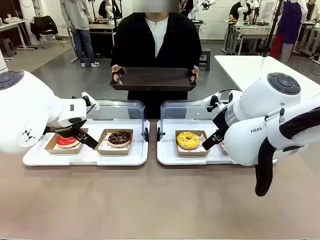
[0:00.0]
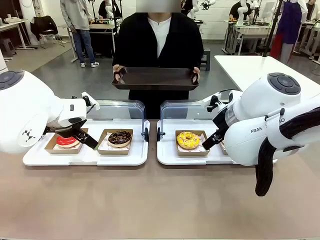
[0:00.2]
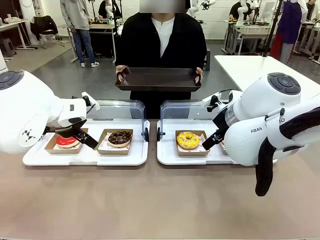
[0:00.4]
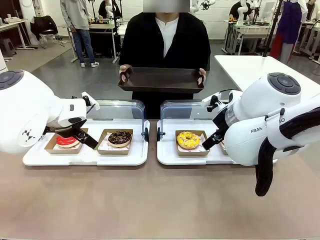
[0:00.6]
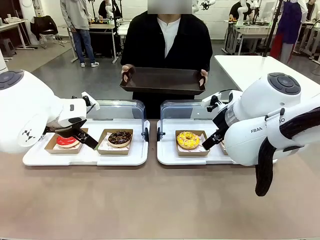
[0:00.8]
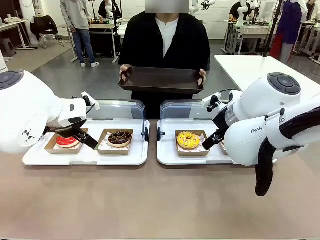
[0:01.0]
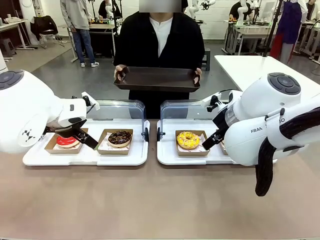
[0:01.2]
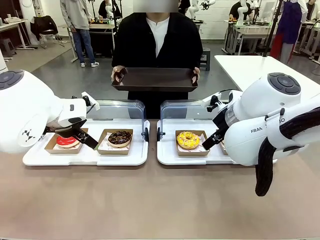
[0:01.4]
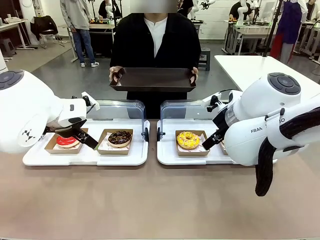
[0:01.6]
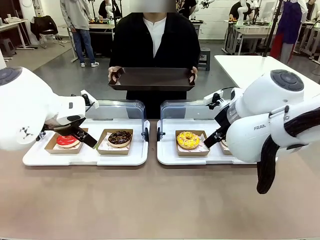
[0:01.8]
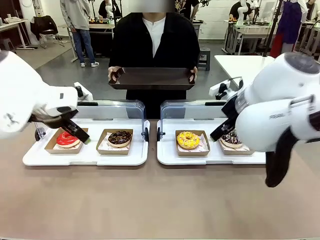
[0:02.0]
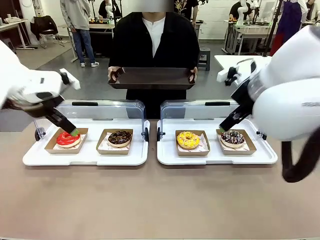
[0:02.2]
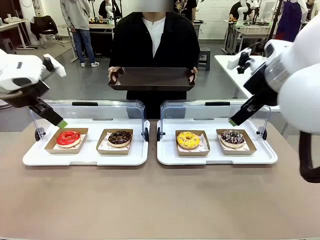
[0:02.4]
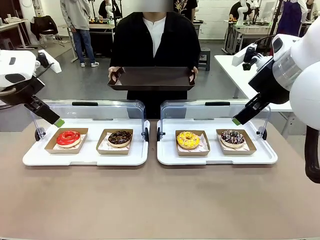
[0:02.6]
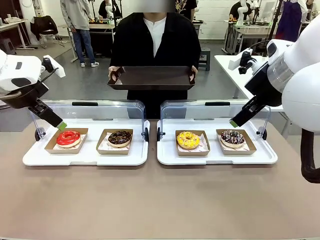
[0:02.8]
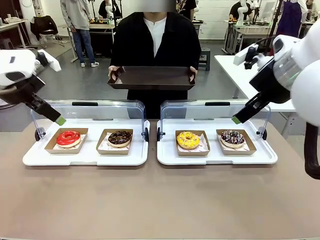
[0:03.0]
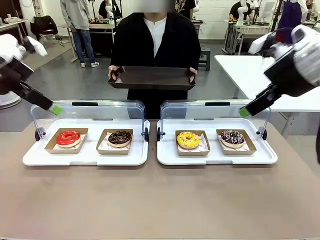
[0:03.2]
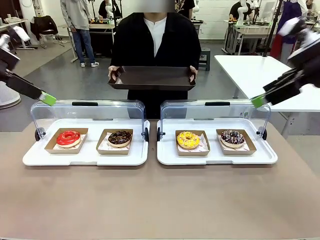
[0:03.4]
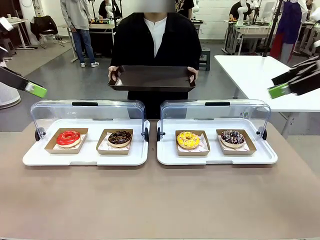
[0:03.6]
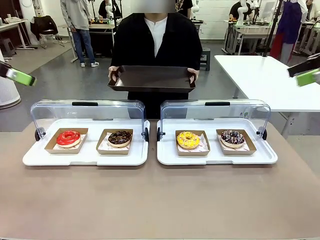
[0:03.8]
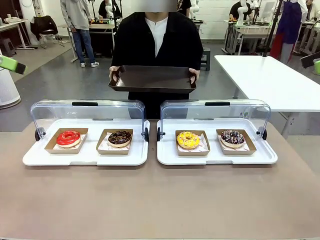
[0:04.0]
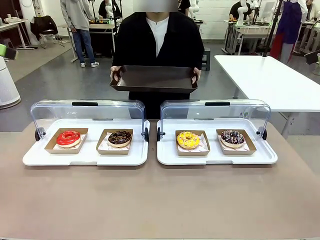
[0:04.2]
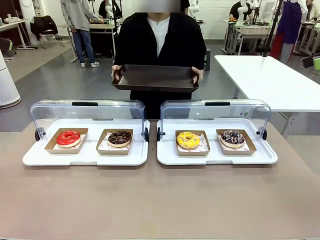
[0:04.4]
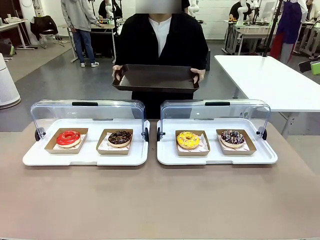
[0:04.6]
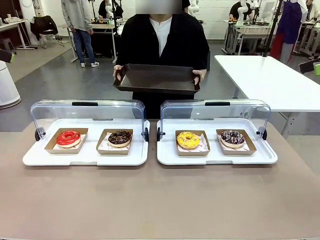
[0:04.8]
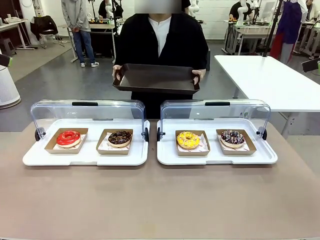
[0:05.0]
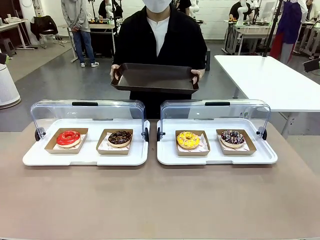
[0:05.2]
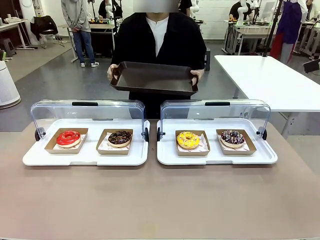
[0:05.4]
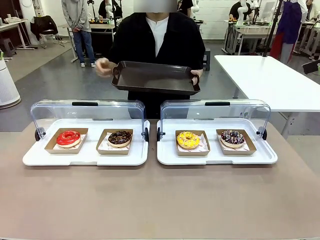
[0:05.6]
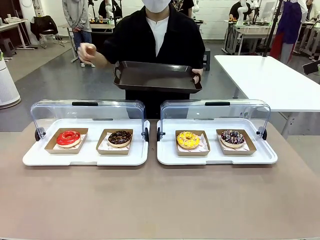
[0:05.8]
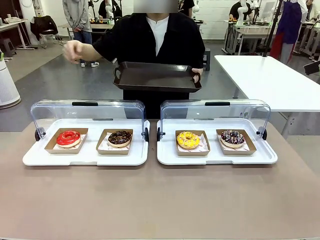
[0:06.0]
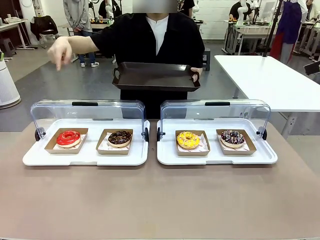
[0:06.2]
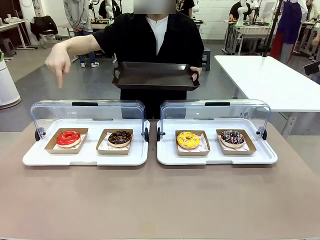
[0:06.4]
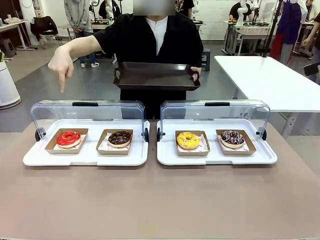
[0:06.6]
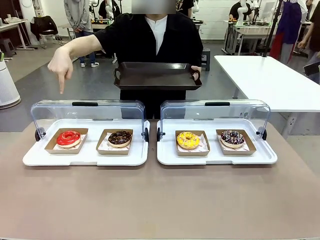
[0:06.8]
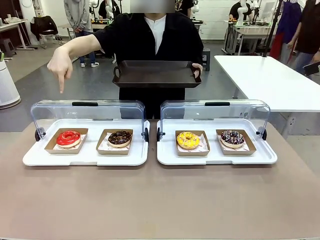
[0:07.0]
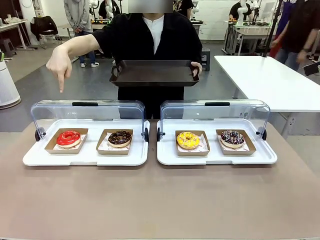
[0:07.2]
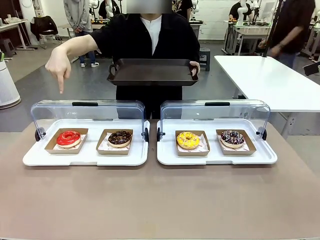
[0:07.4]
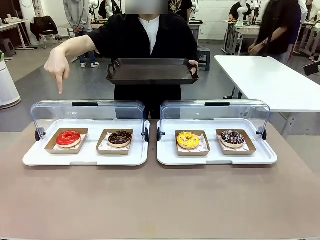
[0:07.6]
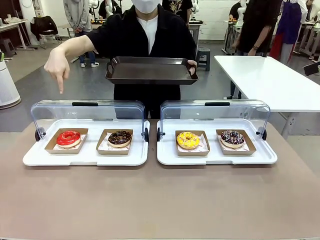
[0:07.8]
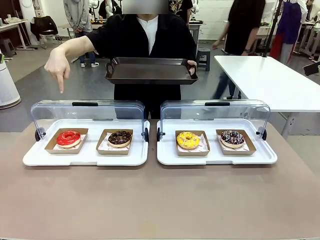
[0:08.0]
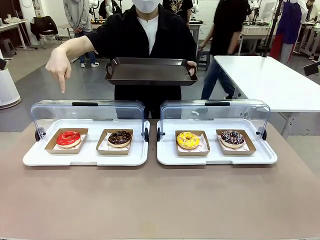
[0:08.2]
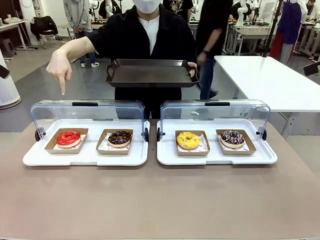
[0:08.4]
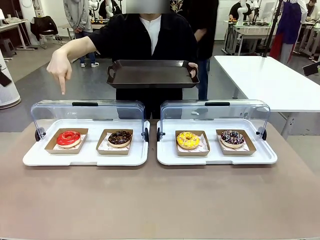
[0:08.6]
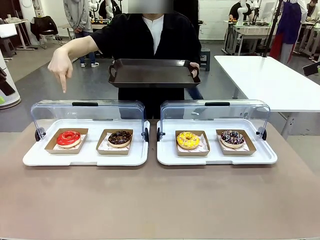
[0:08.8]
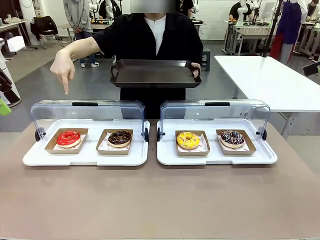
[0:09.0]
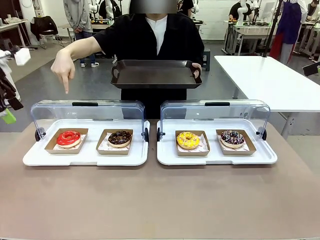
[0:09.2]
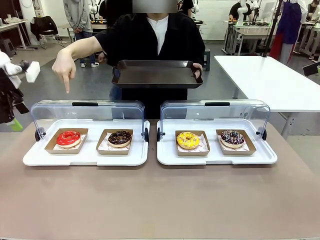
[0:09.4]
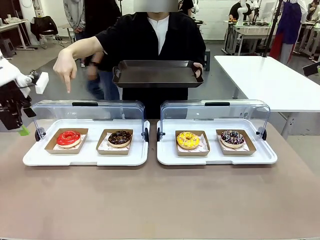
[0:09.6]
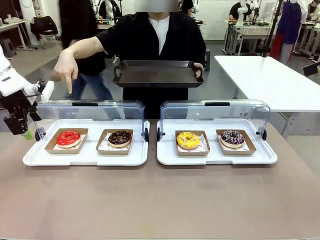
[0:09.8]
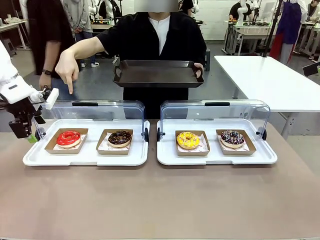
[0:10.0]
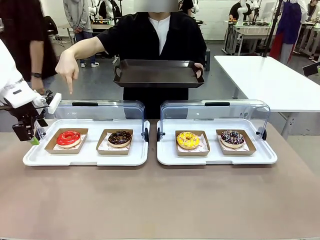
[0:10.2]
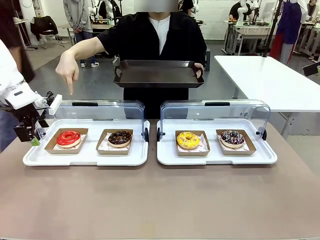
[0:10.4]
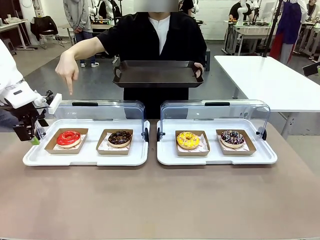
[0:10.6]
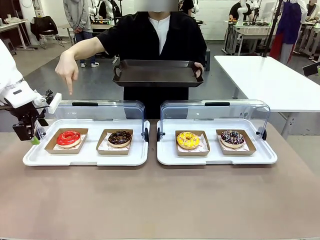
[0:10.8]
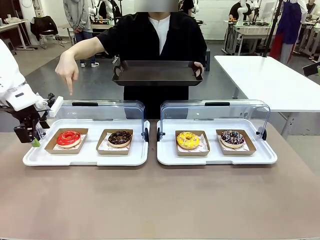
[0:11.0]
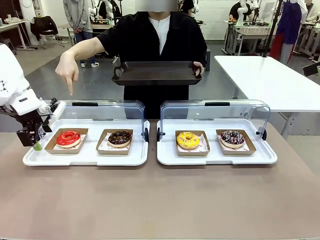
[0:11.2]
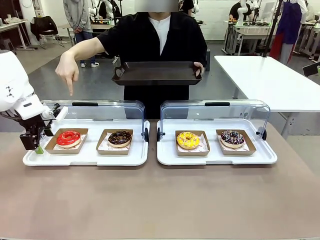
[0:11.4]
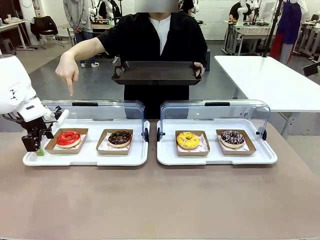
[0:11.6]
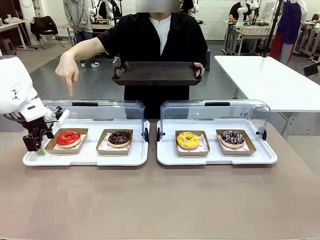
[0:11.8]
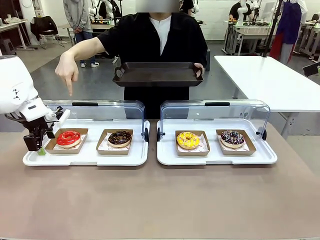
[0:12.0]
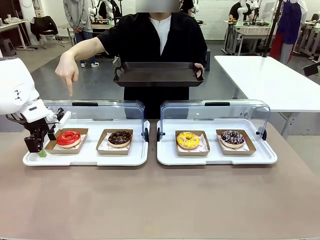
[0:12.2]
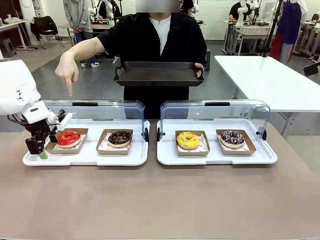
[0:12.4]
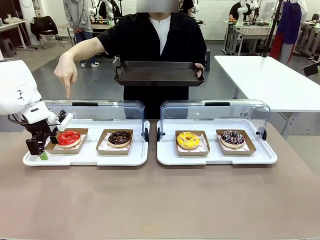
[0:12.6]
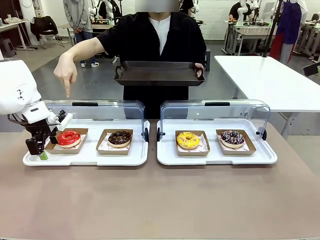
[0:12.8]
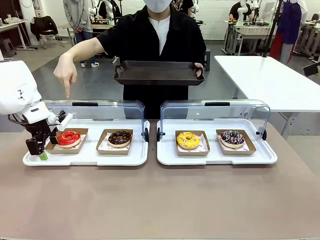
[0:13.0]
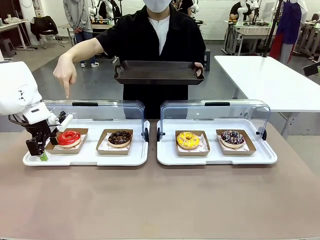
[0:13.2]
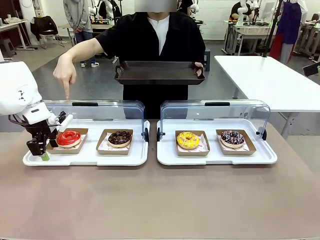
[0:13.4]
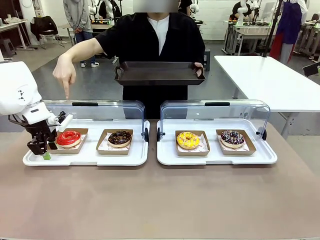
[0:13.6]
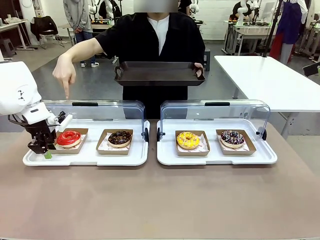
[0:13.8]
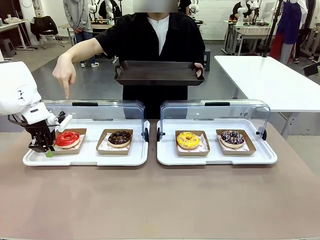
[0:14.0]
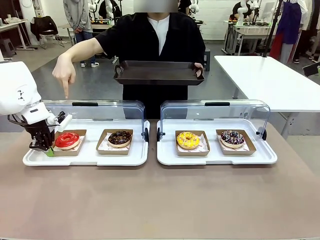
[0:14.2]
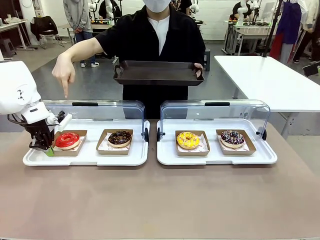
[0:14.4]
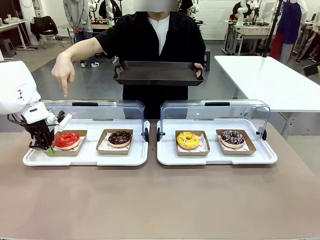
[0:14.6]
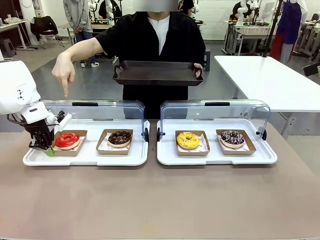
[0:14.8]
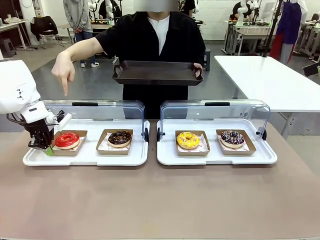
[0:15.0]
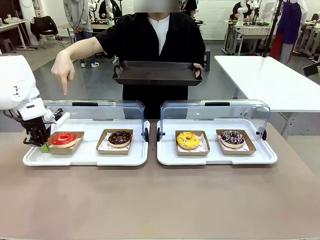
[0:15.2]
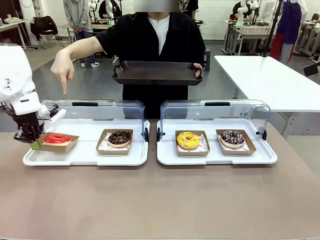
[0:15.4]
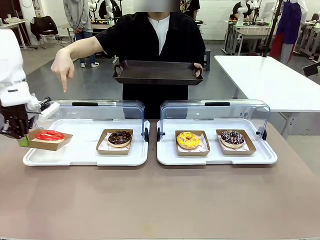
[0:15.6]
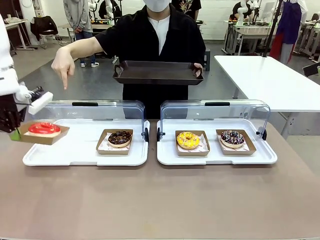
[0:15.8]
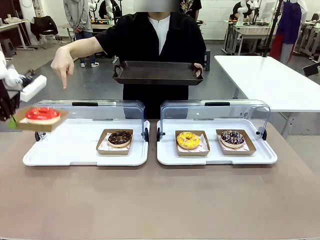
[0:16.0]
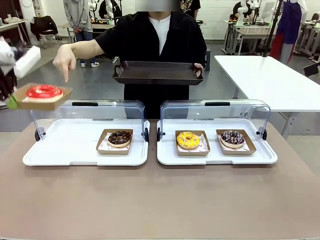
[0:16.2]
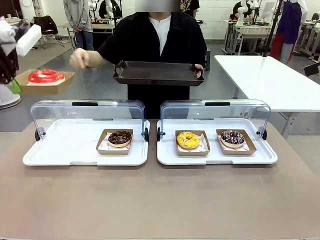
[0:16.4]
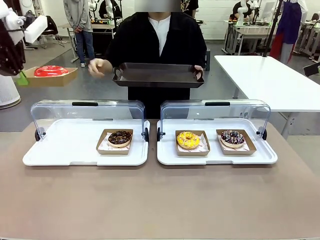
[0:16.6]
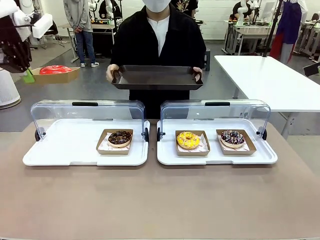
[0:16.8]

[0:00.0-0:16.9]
Task: Provide the desired donut to the person.
Robot: Pick up and lift the Paper togo box containing the Donut pointed at by the person.
Person: Point to one donut. Lift the tray onto the Roll-Top Bakery Case.

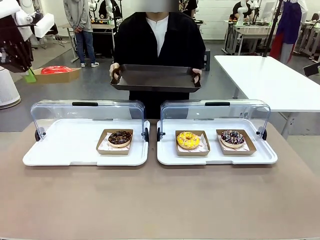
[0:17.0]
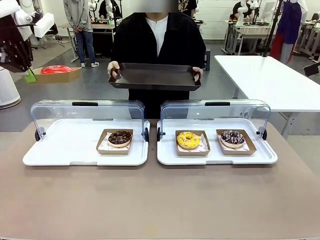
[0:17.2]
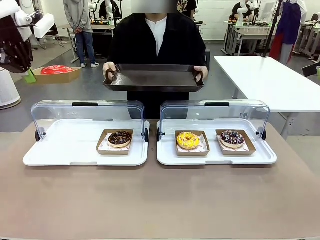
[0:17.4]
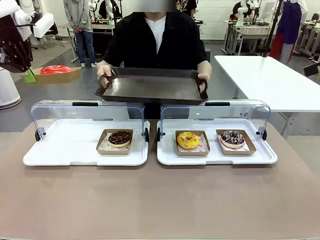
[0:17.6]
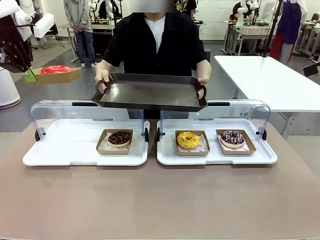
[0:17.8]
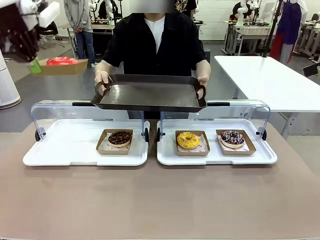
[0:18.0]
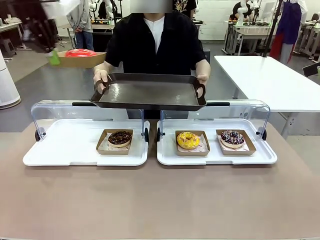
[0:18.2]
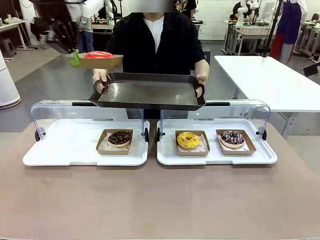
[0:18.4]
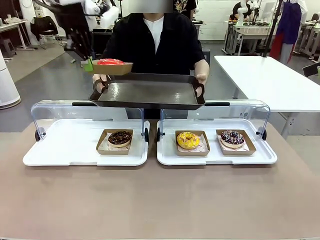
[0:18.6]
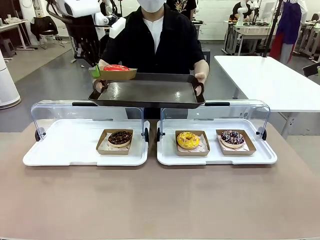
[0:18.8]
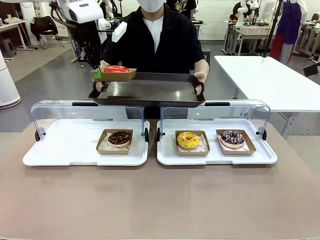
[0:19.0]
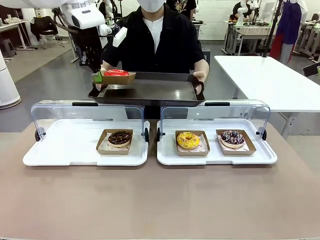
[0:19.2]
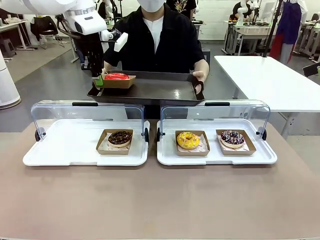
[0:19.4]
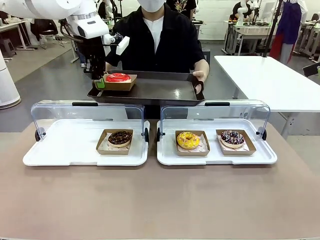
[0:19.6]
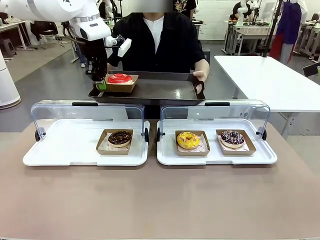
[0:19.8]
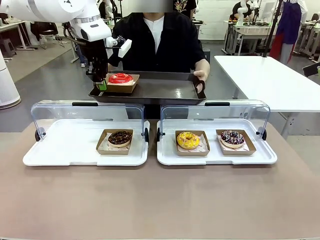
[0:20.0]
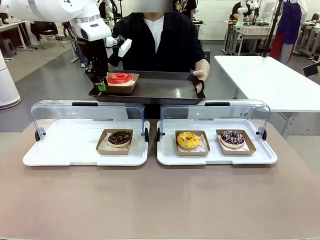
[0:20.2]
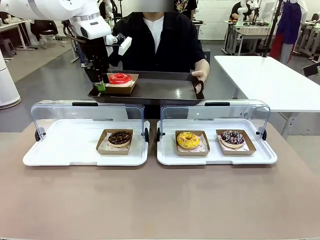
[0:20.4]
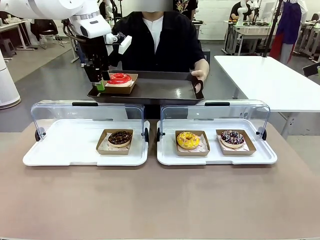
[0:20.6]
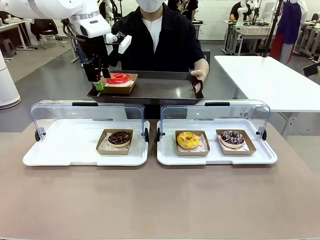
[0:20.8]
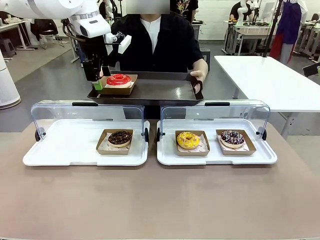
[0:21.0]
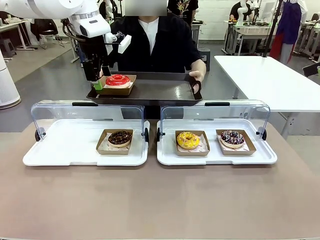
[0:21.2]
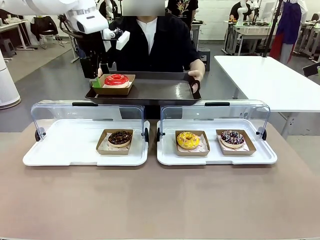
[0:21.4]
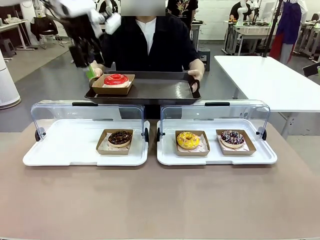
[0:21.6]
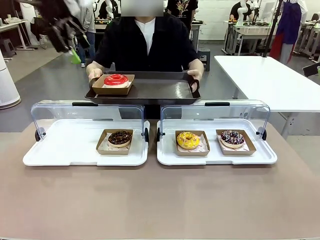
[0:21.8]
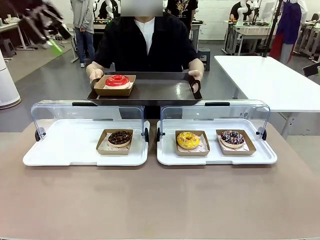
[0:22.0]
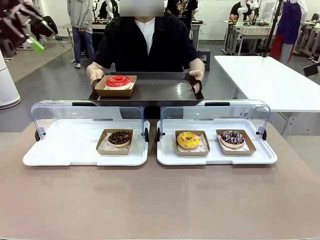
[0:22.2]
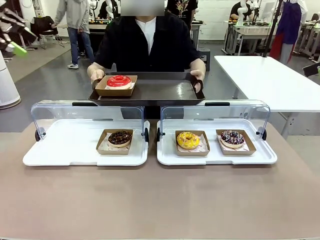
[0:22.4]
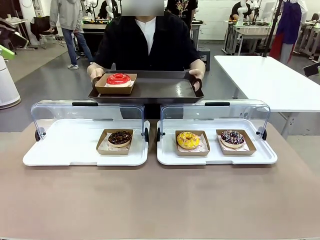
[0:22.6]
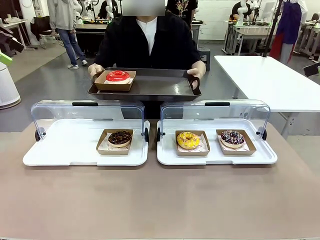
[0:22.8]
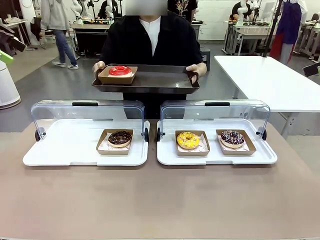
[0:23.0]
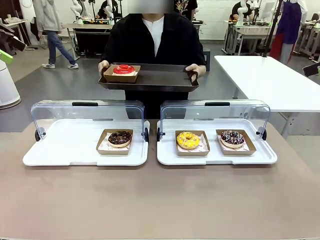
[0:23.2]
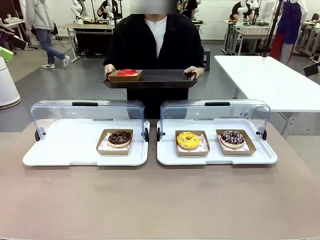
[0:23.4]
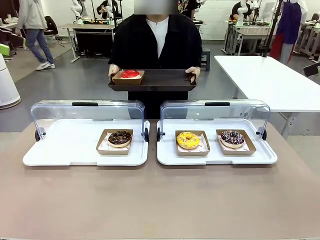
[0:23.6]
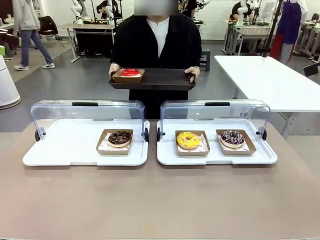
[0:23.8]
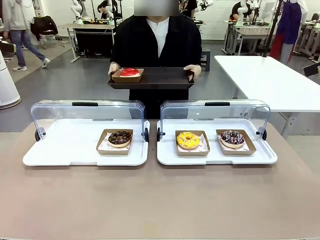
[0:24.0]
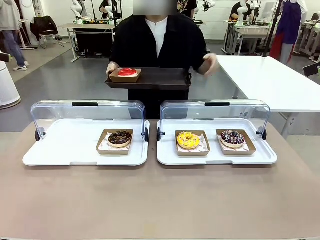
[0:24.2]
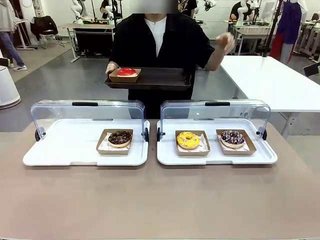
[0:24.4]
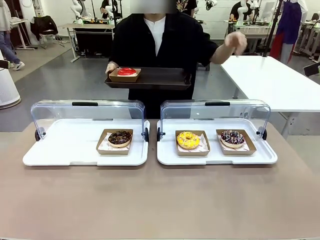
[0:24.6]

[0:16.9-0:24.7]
Robot: Place the picked Paper togo box onto the Handle tray extended by the person.
Person: Point to one donut.
